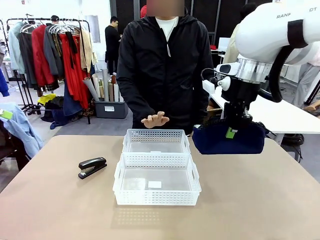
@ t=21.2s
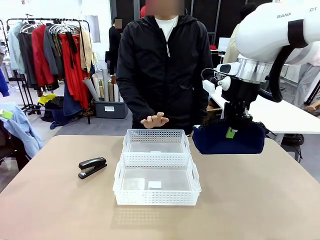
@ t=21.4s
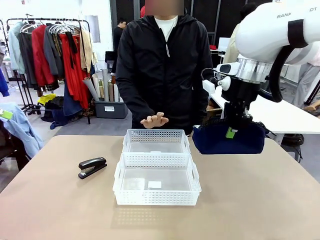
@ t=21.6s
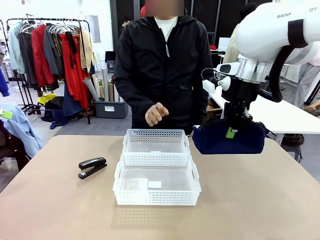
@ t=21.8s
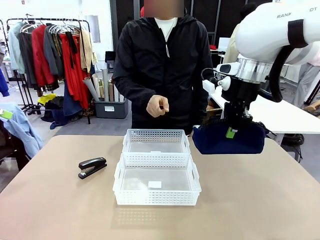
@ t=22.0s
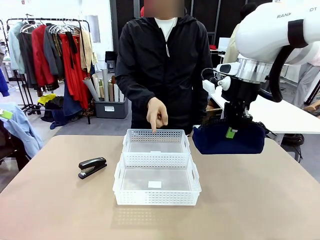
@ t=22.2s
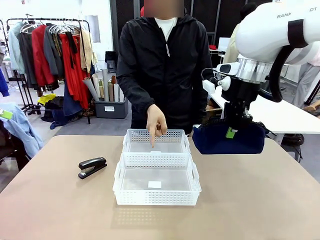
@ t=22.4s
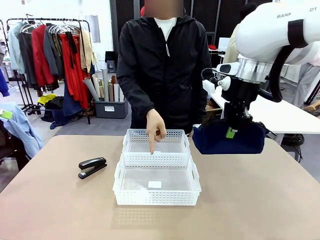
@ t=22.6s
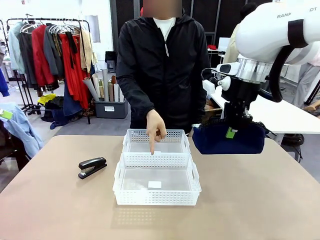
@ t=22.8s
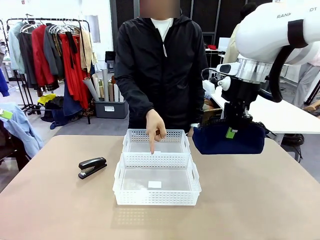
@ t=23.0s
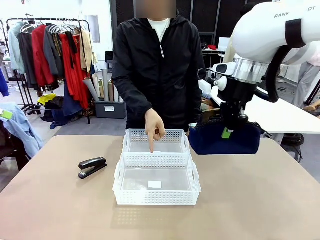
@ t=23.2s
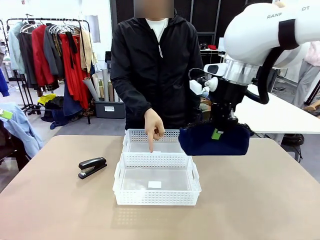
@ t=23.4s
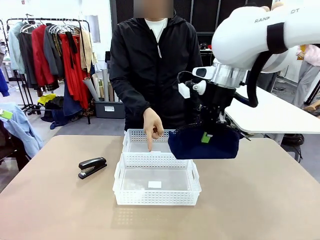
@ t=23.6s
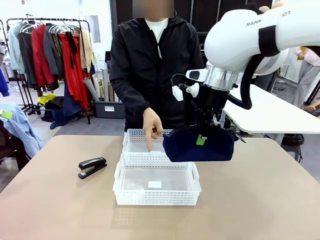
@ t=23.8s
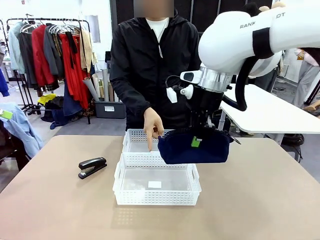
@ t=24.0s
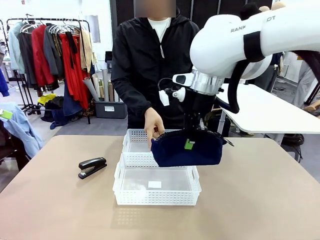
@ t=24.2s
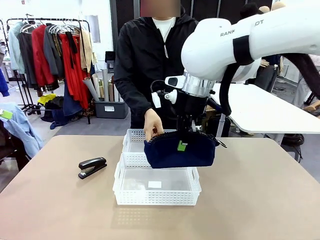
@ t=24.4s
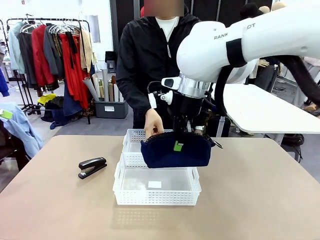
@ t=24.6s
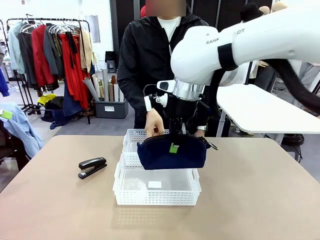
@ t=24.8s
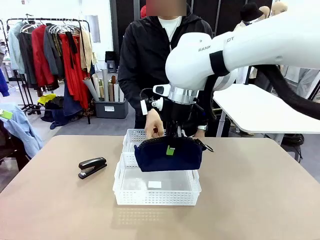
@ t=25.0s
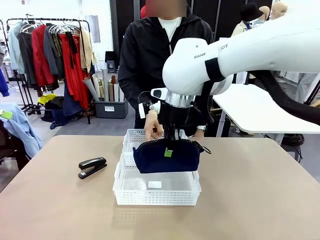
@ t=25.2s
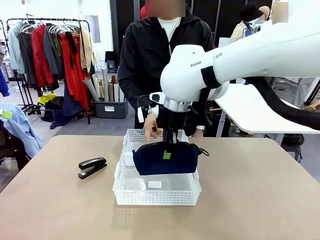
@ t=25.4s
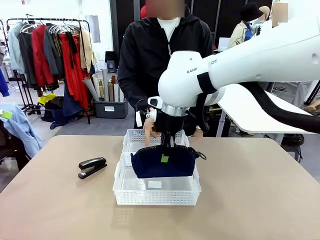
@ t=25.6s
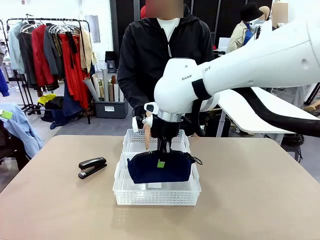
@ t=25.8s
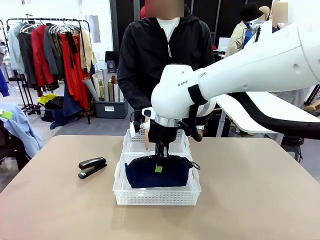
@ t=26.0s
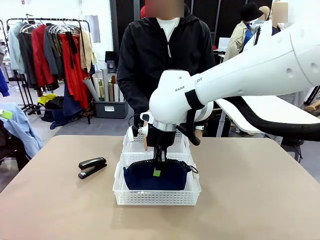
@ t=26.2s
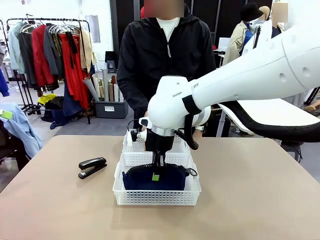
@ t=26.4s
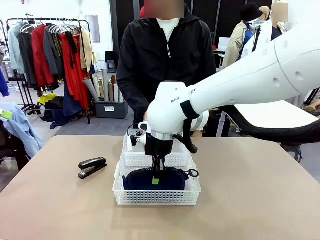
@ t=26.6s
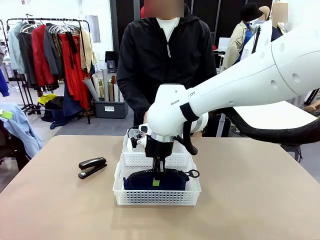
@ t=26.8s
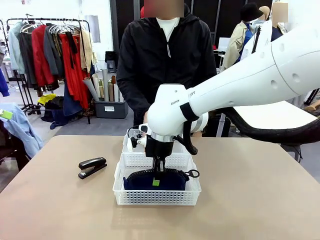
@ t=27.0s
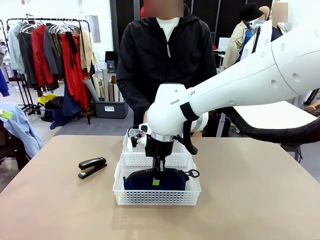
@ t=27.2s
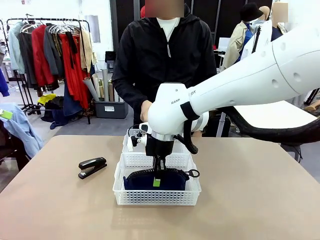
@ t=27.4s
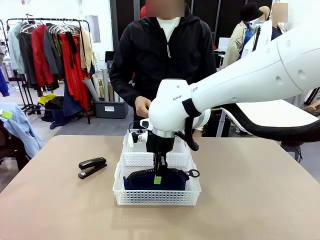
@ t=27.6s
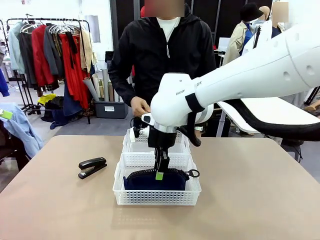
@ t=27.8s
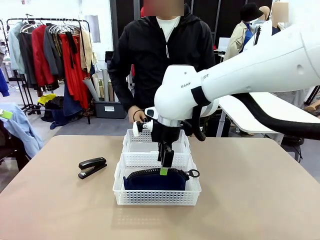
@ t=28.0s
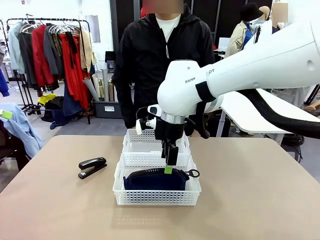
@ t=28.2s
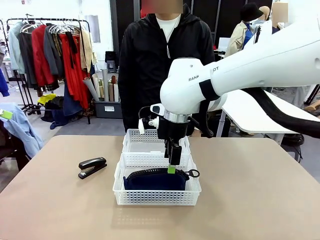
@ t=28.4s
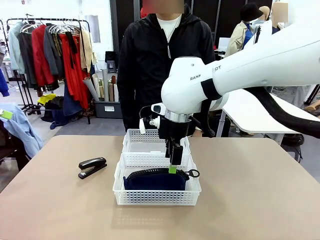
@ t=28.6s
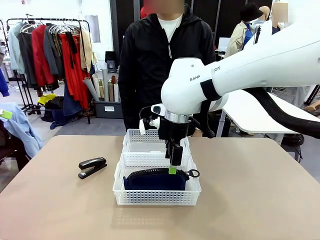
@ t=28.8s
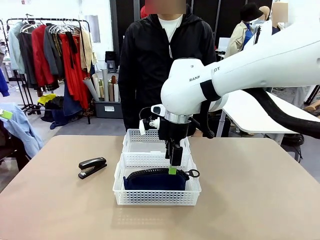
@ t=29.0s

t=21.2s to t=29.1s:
Task: Distribute items into two baskets.
Robot: Place the picked Pencil pouch into the Organizing basket as instructed by the person.
Person: Instructs the robot to place the pencil case into the opposite basket.

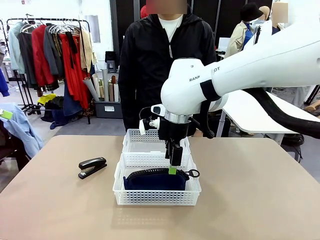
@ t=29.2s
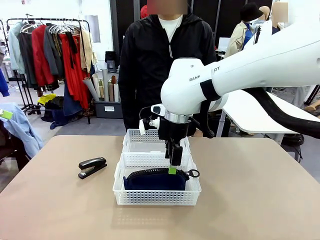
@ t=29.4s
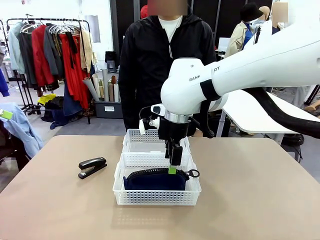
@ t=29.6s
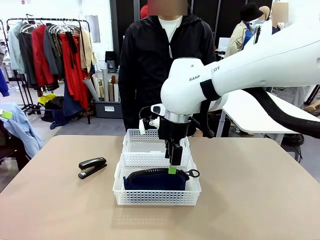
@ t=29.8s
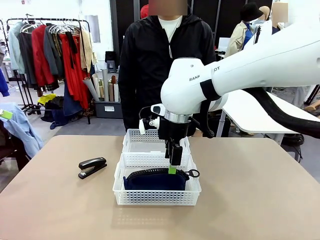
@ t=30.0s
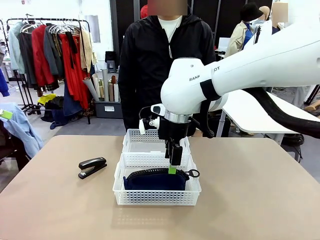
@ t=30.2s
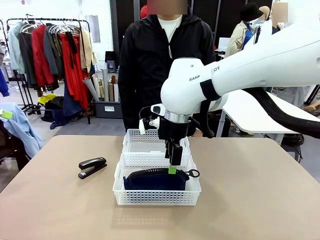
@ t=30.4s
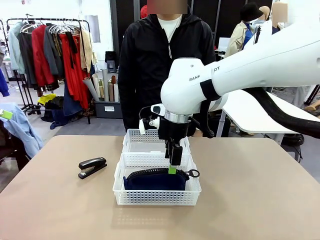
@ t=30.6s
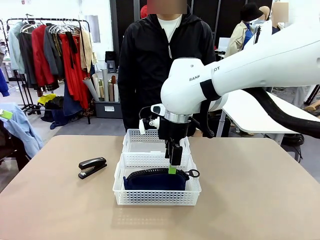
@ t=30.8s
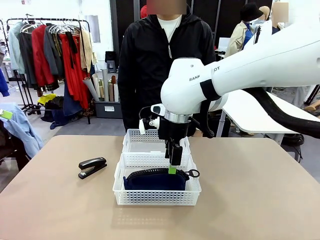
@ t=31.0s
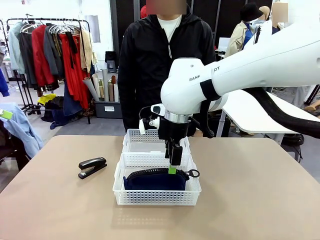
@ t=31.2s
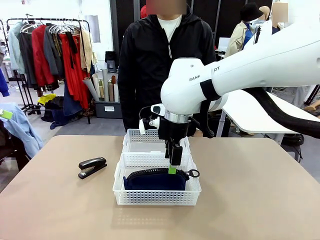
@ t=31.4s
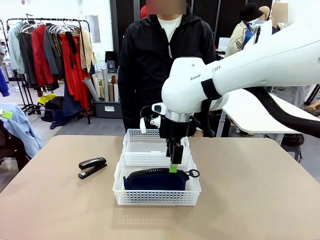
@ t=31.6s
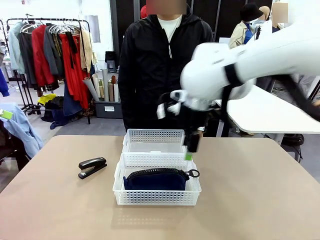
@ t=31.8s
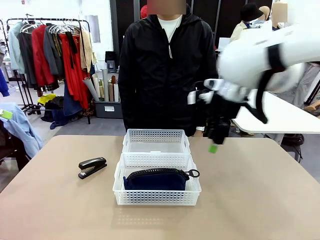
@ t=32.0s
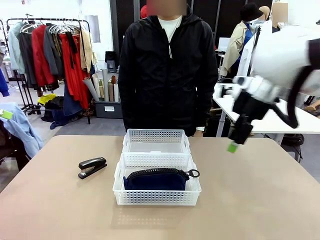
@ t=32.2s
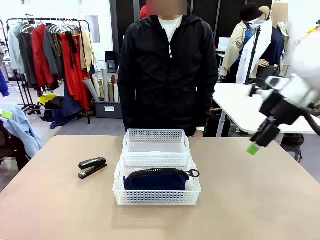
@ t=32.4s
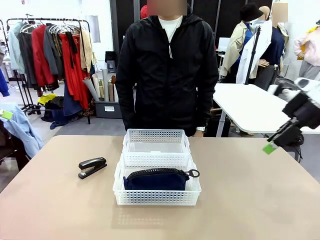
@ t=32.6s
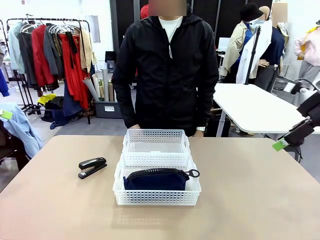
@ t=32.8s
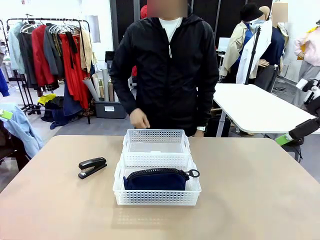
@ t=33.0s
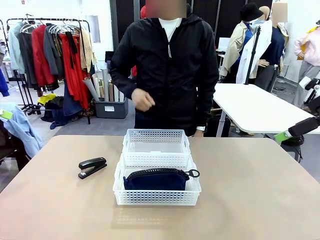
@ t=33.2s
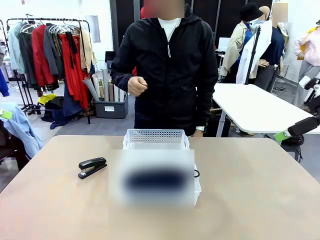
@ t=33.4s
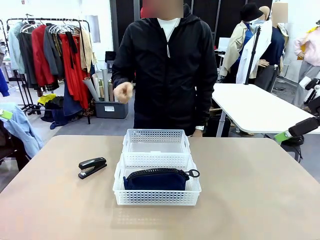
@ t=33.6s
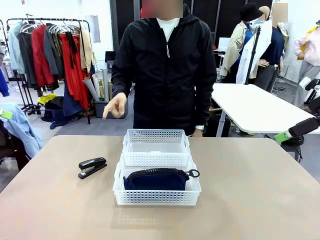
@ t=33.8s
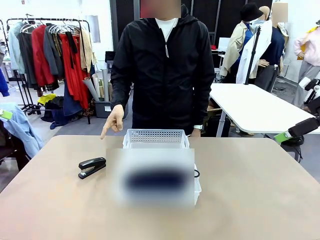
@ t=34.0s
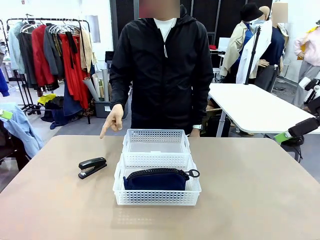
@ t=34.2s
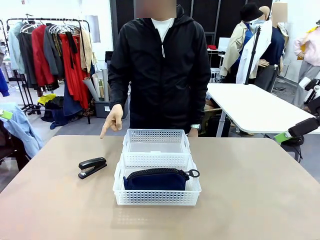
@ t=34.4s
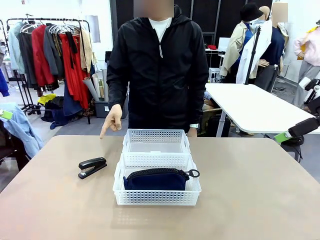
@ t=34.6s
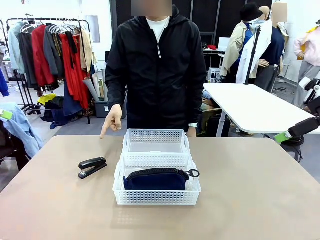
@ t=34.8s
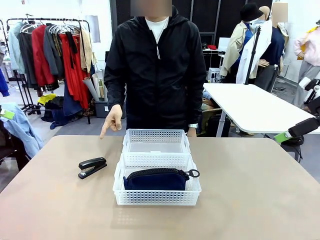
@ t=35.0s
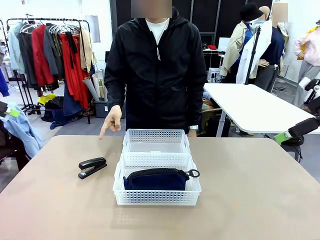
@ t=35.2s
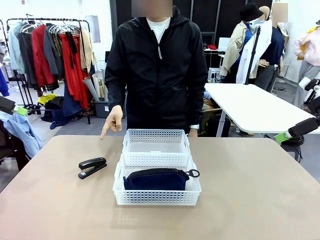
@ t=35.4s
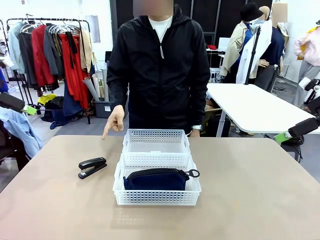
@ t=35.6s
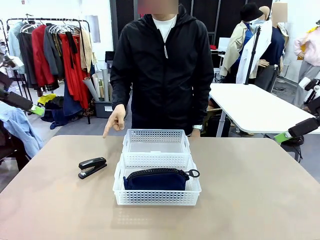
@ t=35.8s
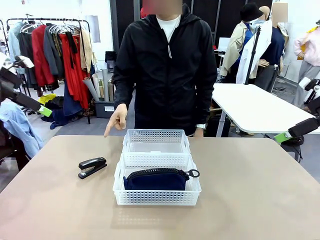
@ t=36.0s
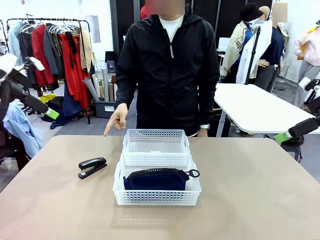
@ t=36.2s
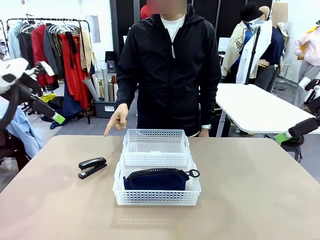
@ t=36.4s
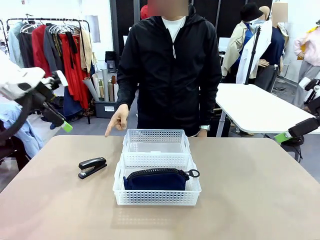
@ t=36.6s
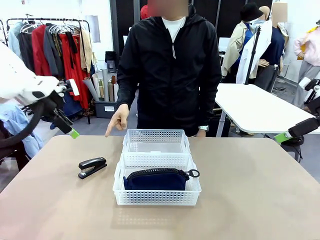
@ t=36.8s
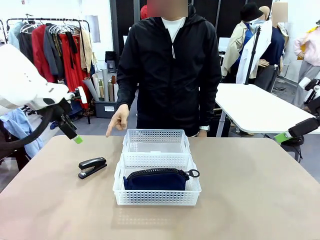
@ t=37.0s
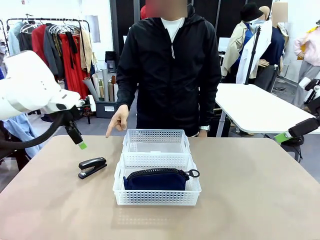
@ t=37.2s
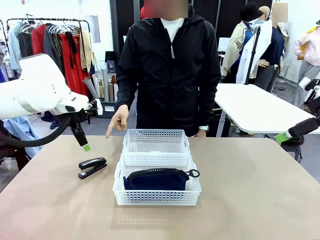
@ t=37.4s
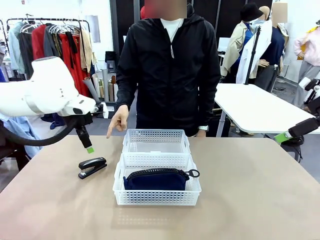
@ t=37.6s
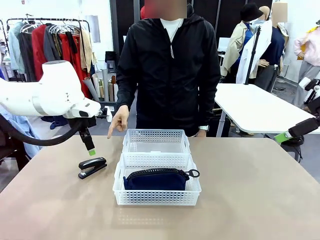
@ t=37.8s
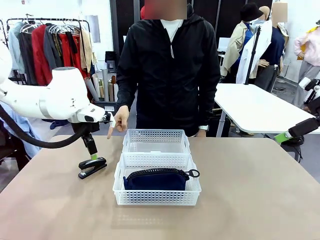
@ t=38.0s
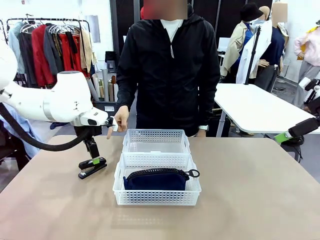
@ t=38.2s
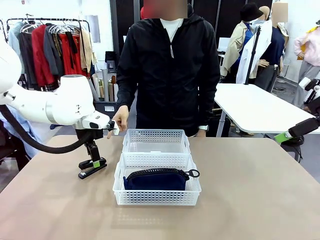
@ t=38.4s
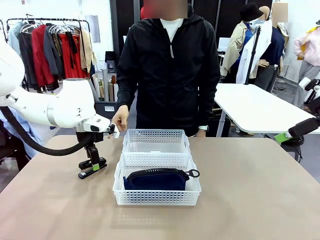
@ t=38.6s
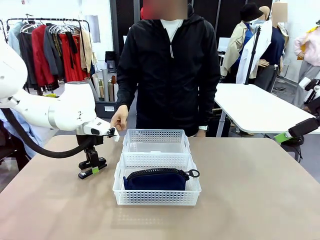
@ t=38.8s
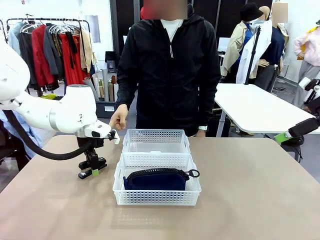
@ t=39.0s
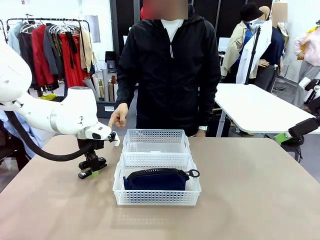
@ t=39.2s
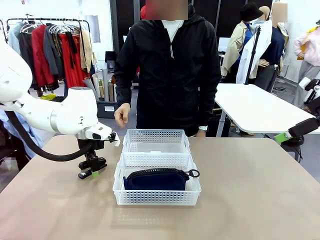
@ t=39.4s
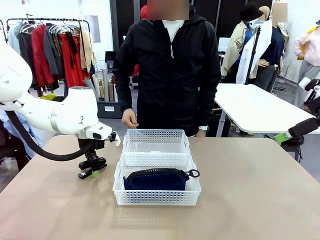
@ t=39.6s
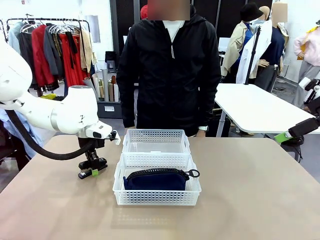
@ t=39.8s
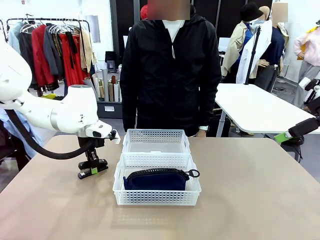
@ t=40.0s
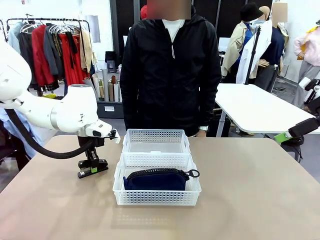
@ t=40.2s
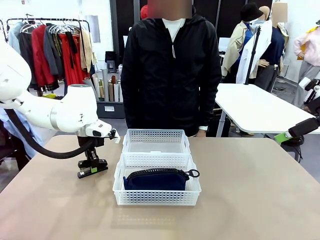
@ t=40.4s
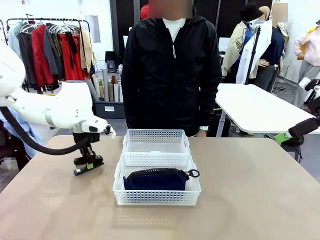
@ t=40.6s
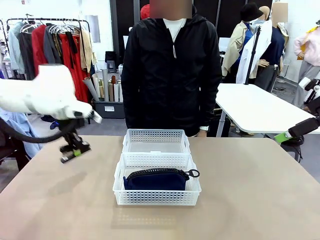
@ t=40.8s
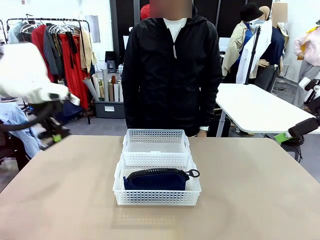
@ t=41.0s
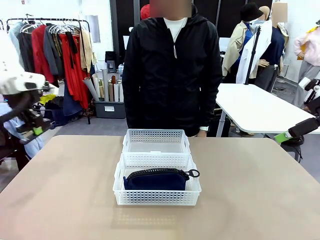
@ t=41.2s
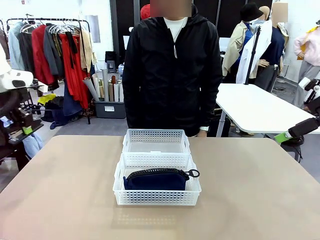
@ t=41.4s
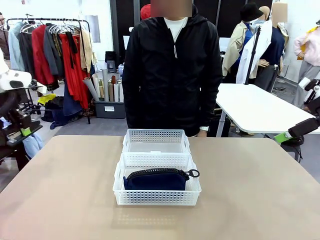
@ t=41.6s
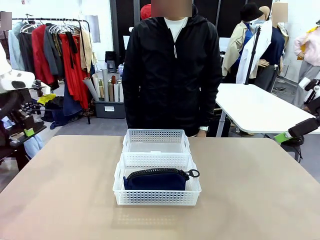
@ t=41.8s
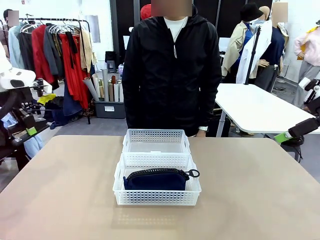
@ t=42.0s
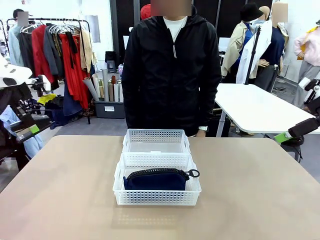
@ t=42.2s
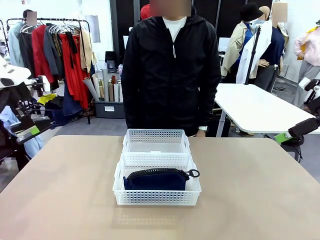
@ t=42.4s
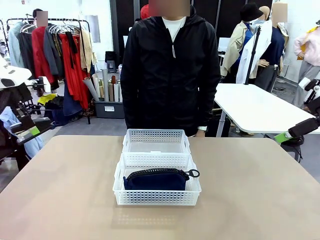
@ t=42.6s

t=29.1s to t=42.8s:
Robot: Pick up the Stapler that the person points to.
Person: Points to the stapler.
